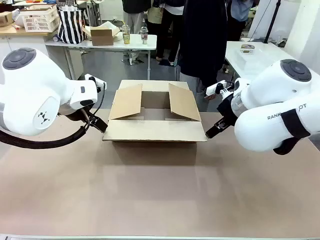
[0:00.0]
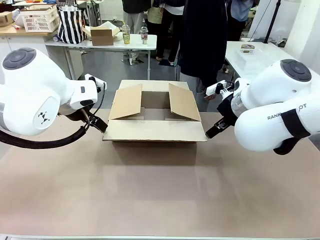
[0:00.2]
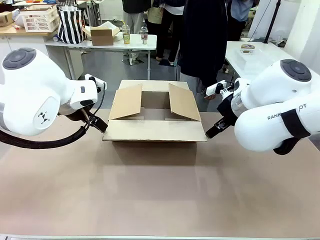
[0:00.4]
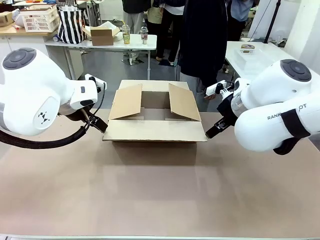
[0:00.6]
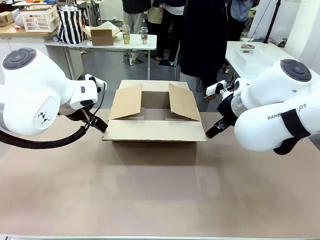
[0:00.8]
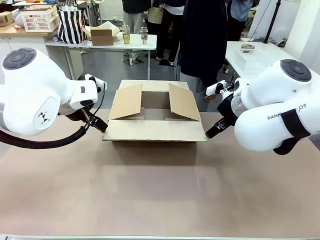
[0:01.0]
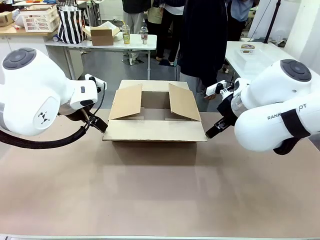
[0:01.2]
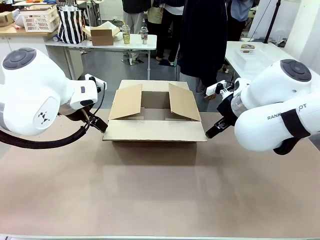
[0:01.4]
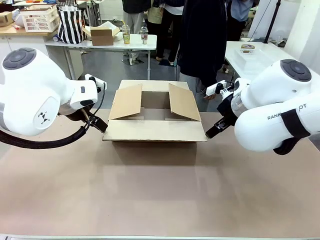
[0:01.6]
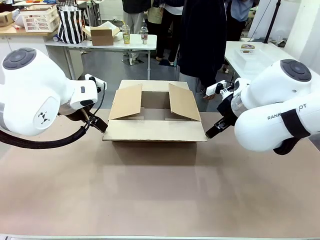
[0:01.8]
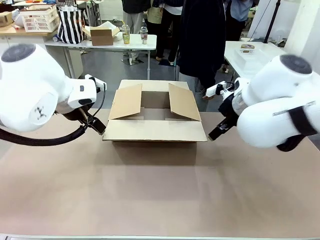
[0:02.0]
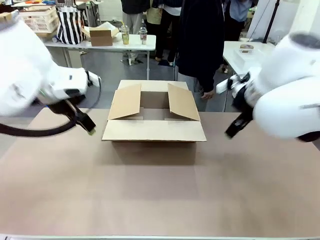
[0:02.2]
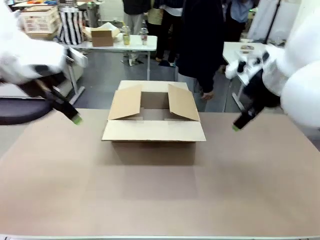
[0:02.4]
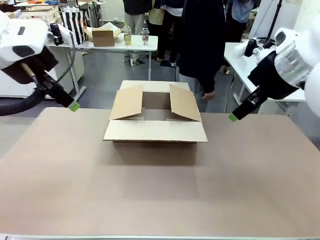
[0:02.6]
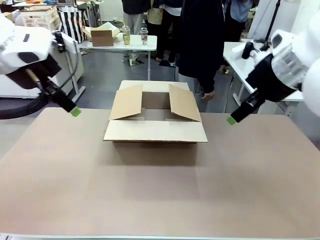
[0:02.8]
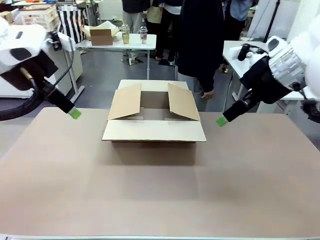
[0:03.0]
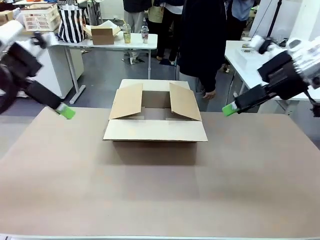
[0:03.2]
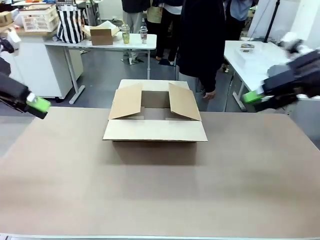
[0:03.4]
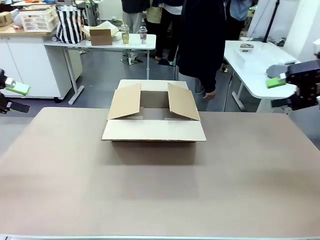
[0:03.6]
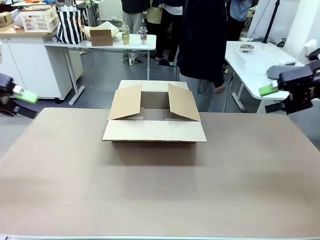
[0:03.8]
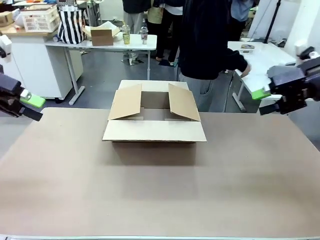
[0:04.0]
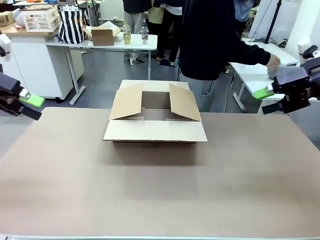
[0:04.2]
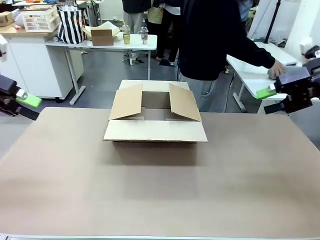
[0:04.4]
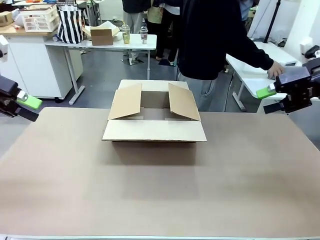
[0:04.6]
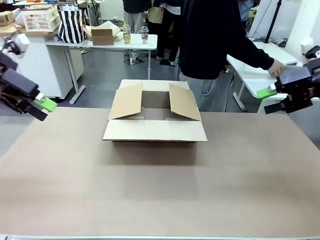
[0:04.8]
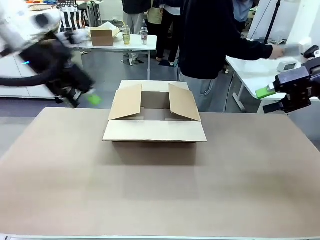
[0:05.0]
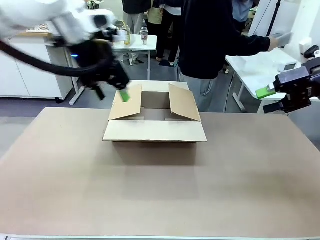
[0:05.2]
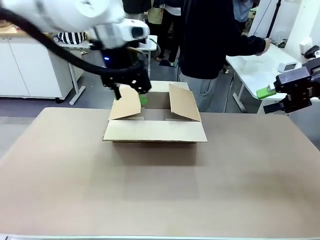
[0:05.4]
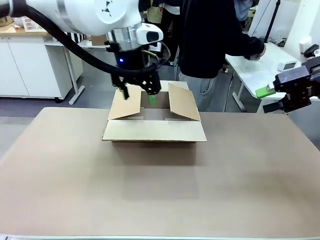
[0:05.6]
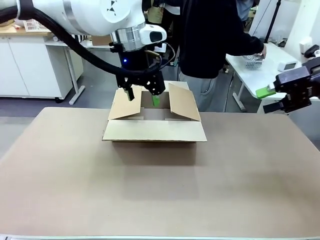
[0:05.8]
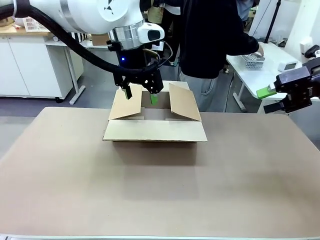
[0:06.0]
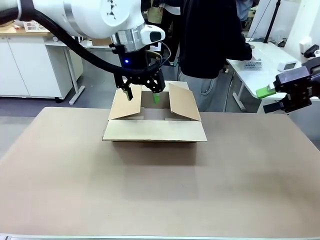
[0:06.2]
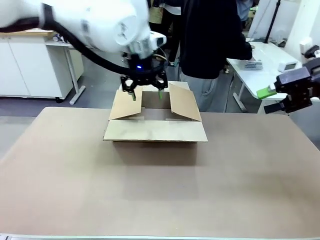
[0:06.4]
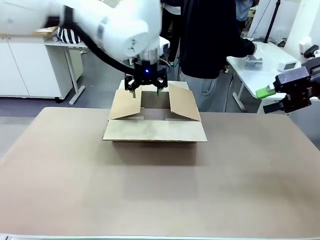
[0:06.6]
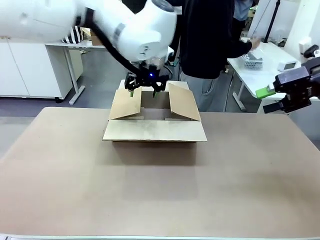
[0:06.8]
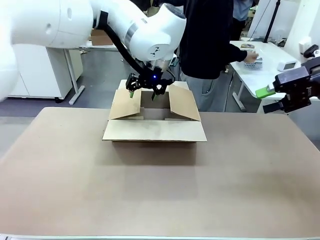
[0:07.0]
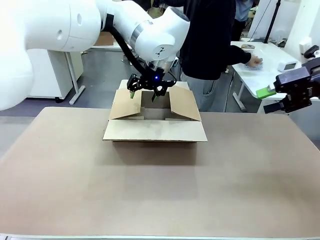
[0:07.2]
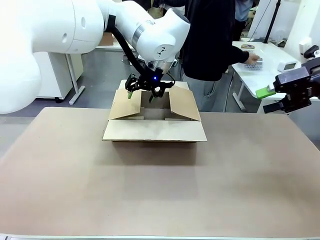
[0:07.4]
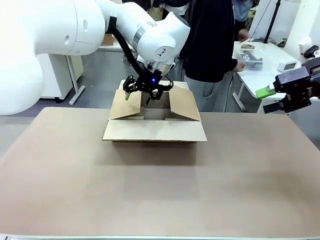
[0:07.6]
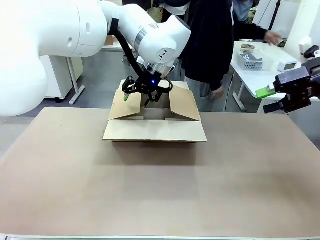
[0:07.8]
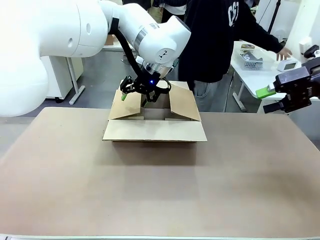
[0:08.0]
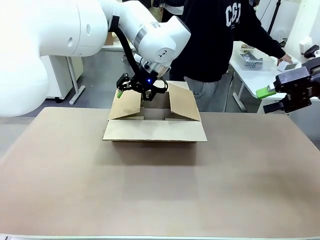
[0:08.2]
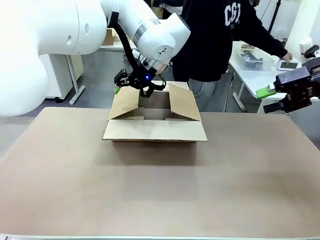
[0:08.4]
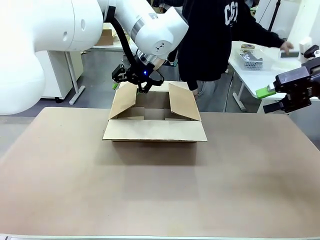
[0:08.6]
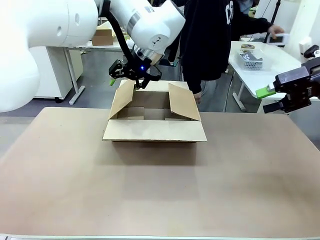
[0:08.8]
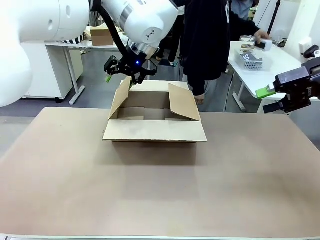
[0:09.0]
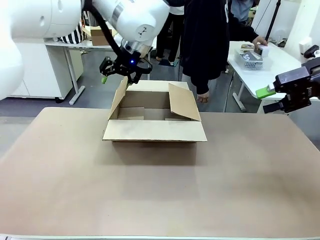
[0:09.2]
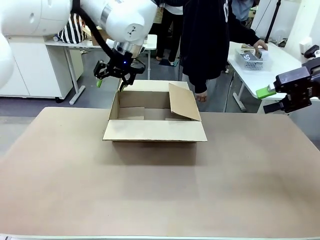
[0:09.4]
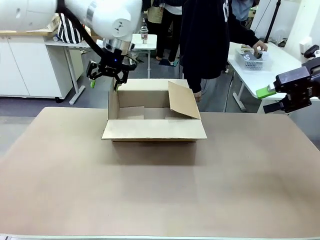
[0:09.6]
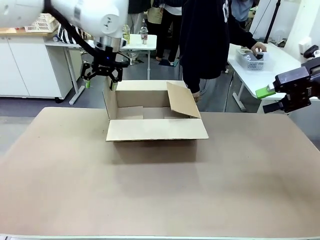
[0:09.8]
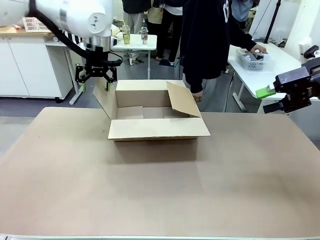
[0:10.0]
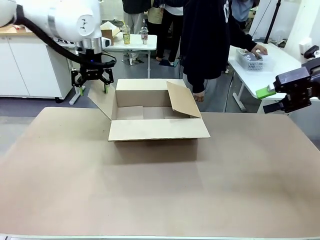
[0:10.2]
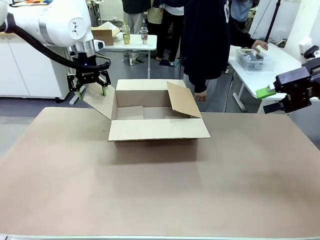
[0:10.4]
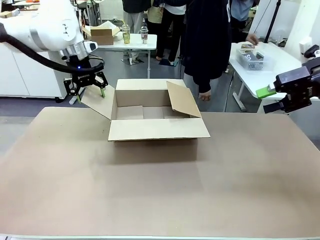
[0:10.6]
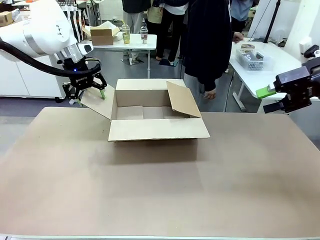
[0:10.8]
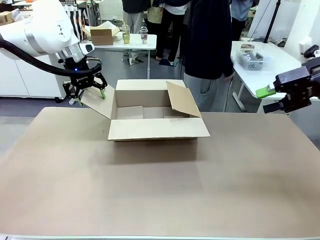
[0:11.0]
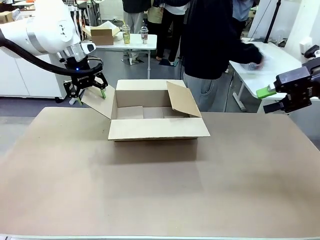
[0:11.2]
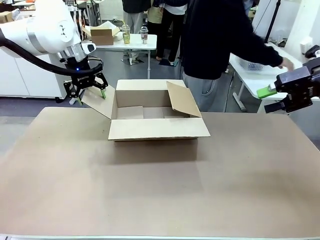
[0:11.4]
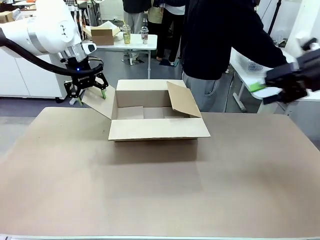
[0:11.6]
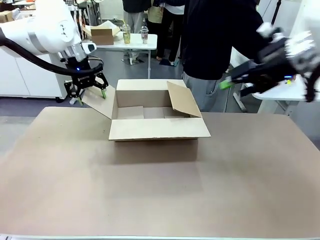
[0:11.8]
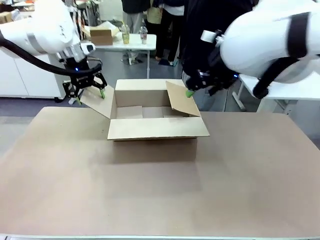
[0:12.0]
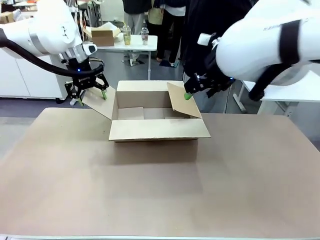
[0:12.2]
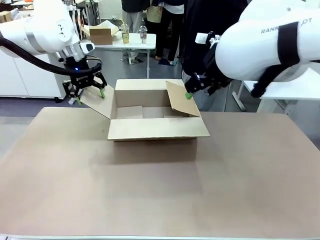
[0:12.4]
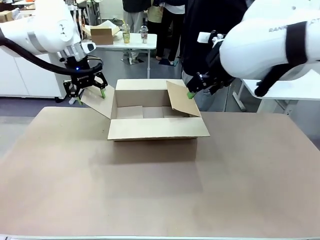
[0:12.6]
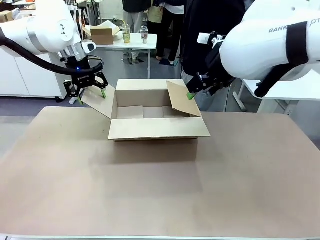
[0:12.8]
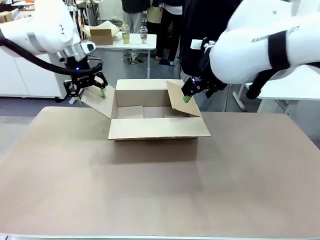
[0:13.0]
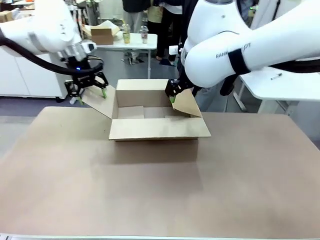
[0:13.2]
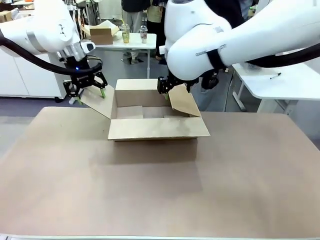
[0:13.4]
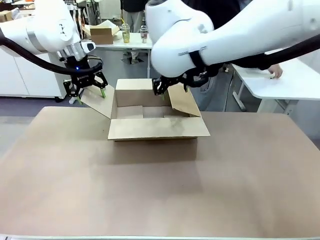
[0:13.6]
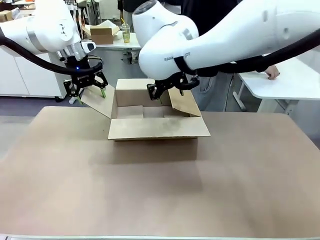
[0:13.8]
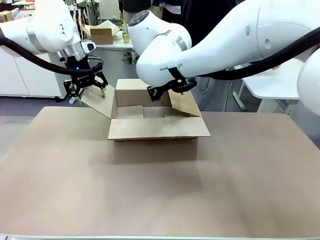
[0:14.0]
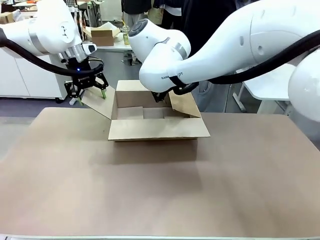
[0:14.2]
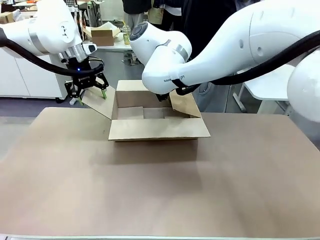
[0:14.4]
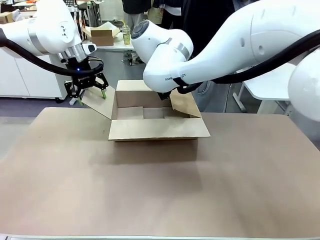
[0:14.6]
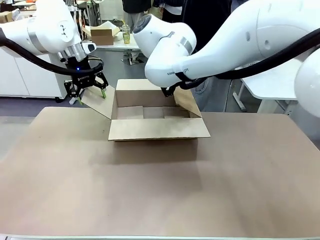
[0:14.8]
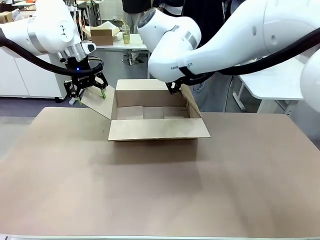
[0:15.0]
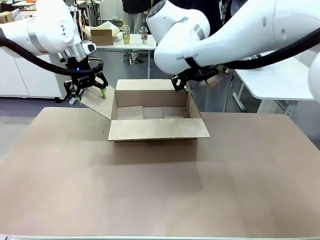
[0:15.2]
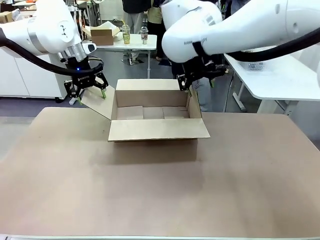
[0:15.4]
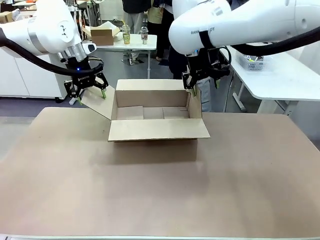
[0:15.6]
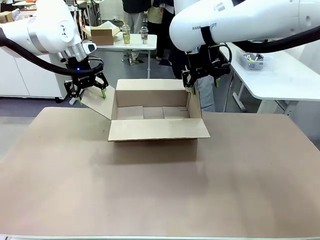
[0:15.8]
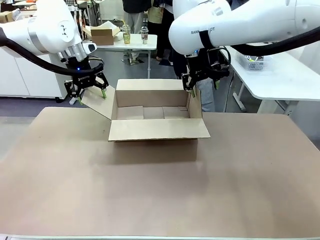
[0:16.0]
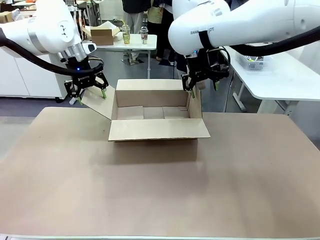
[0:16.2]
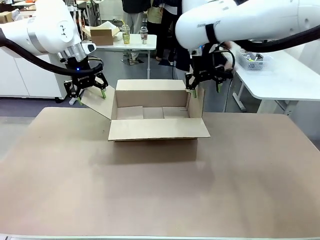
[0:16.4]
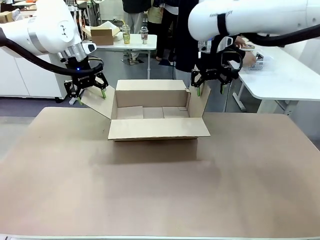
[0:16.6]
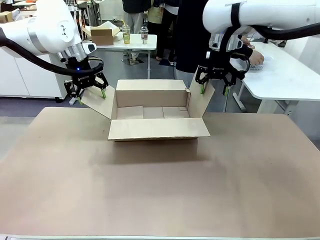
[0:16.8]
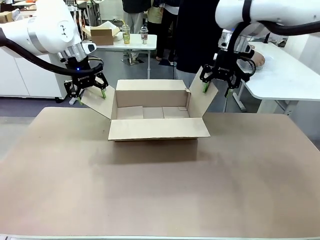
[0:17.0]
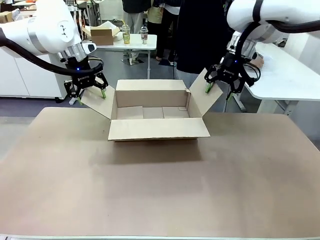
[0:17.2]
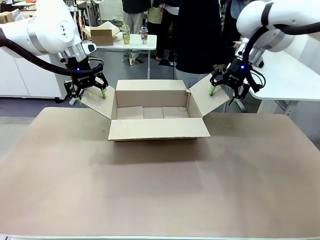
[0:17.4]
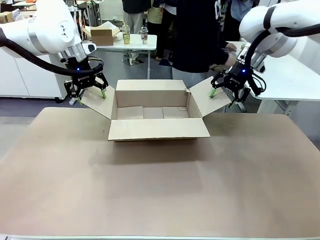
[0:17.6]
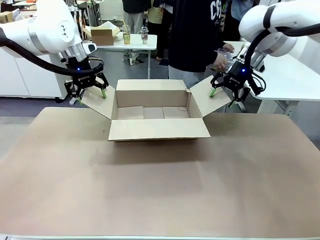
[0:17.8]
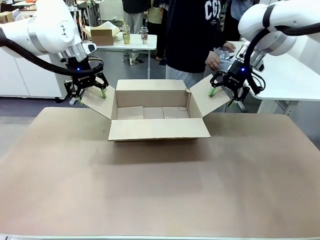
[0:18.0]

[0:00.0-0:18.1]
Task: Pack the gift set into the box.
Robot: Place both hands on the side flaps of the Package Box and spread them outward.
Person: The human places all items except the paper tape into the organizing basket.

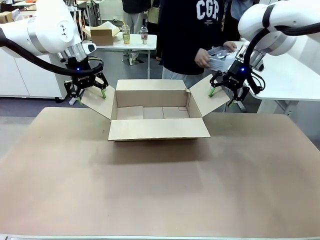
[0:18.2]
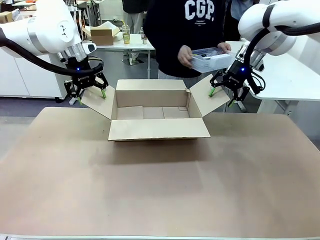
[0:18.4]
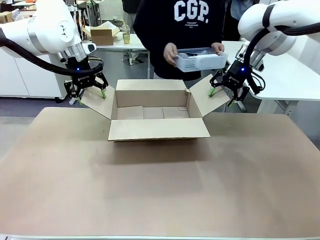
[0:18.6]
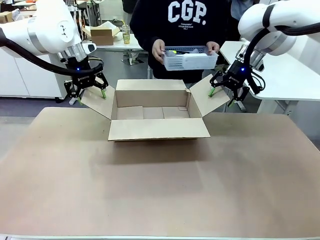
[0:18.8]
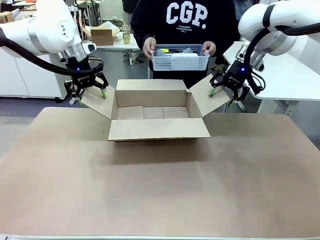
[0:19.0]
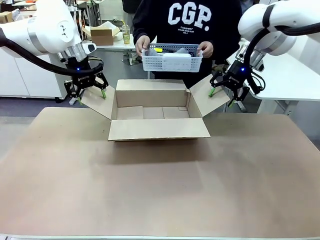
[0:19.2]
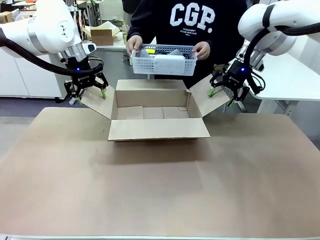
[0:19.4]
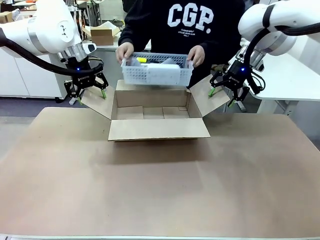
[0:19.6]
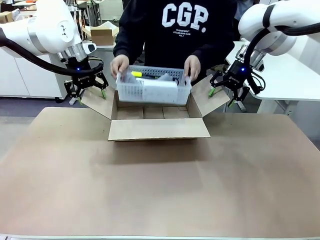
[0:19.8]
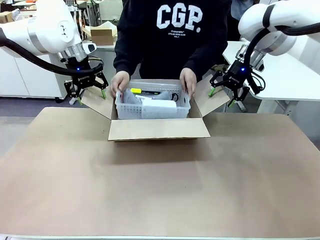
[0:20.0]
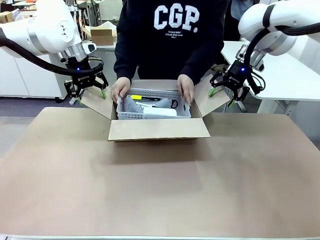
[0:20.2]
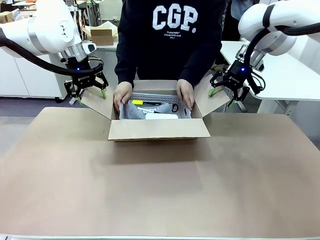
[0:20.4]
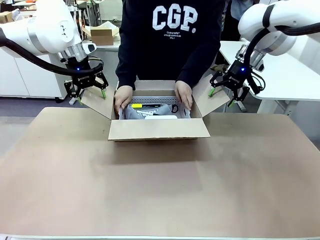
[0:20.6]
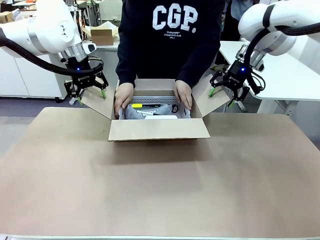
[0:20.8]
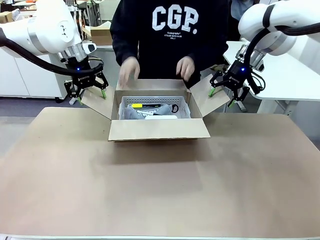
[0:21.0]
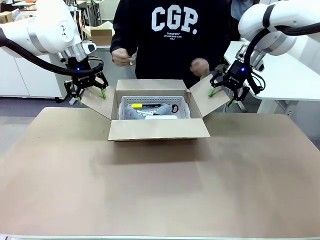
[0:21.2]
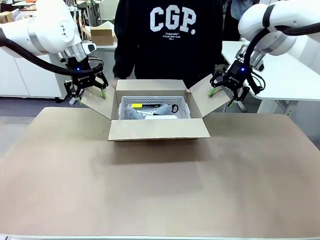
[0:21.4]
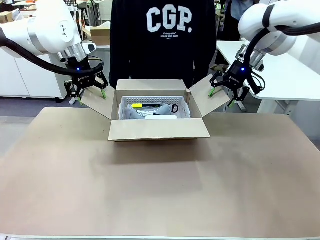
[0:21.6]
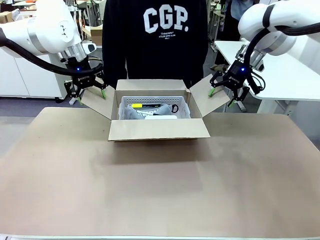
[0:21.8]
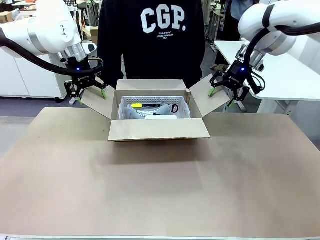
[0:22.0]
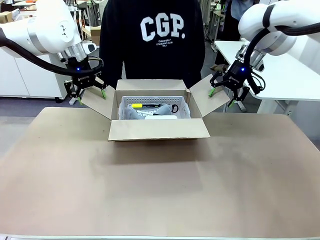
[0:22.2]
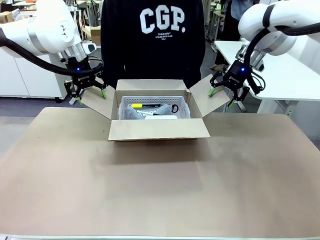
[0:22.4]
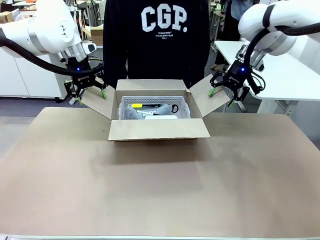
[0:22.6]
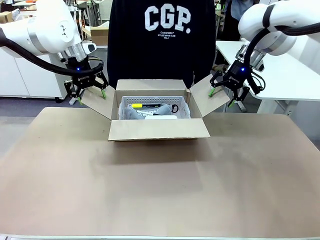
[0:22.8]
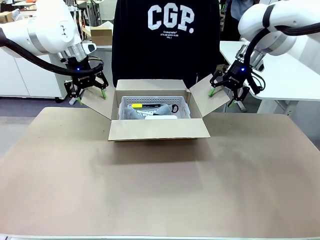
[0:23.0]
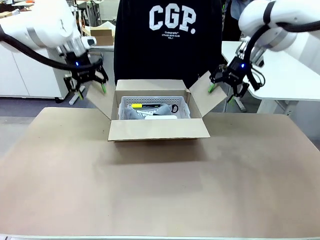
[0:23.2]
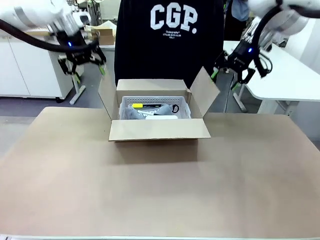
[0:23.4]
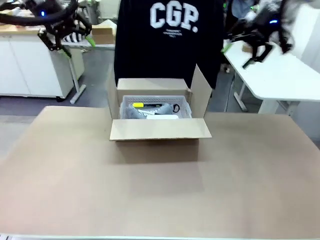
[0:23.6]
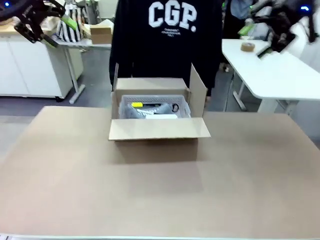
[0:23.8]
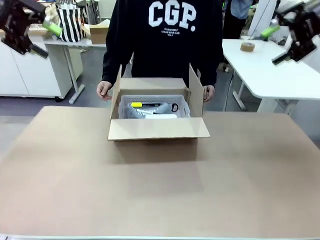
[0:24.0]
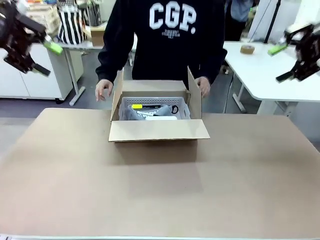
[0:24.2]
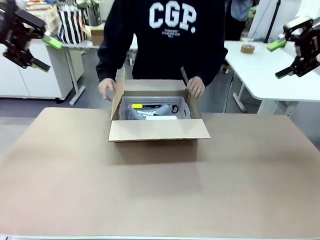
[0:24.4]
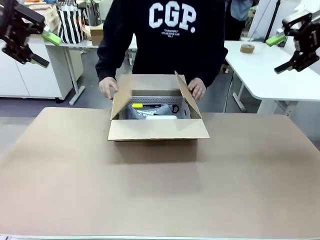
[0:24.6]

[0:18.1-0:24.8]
Robot: Lift both hands away from the flaps of the Package Box.
Person: The human picks up the organizing basket and places the organizing basket into the package box on the robot table.
